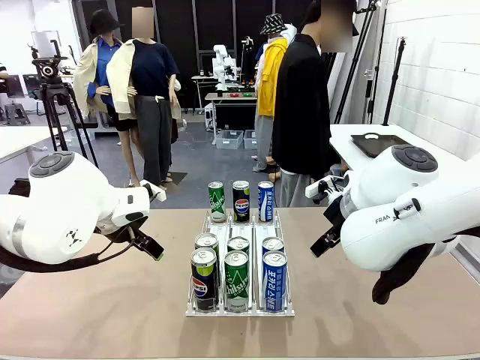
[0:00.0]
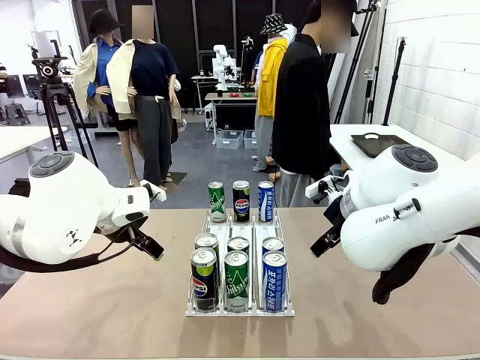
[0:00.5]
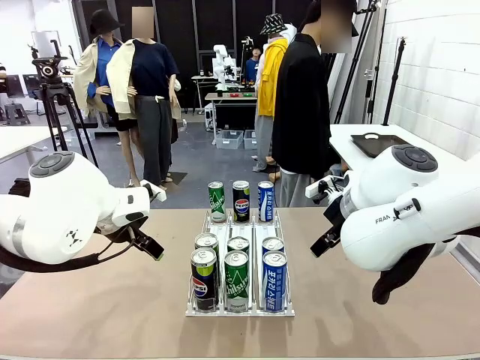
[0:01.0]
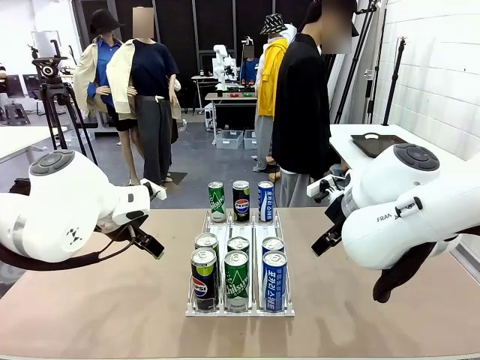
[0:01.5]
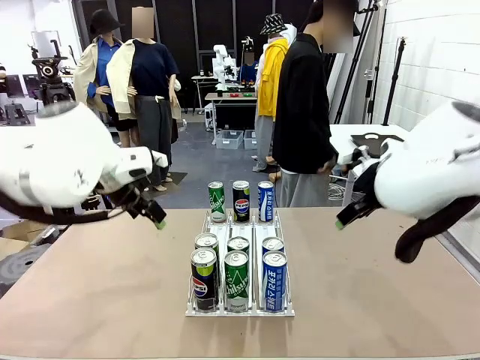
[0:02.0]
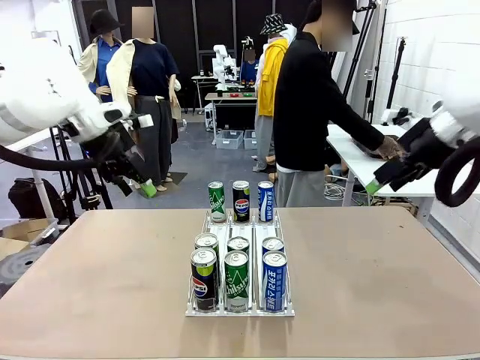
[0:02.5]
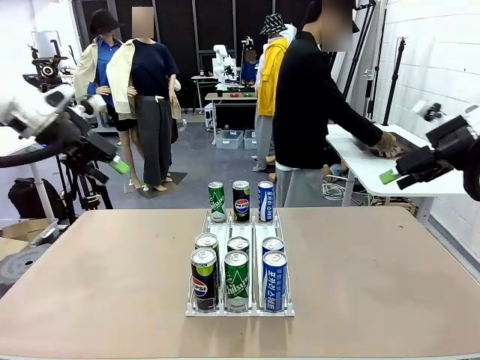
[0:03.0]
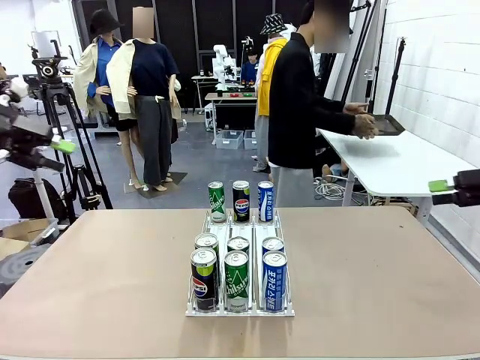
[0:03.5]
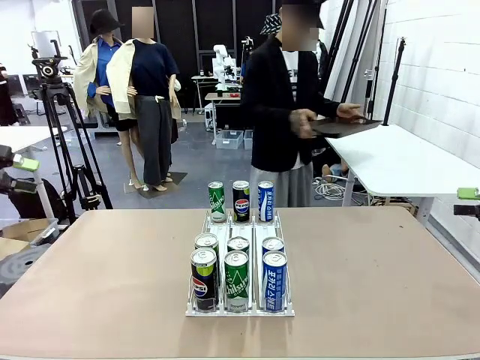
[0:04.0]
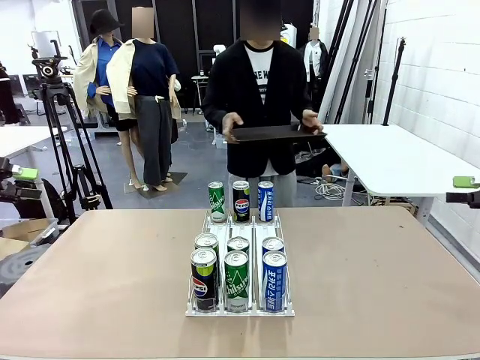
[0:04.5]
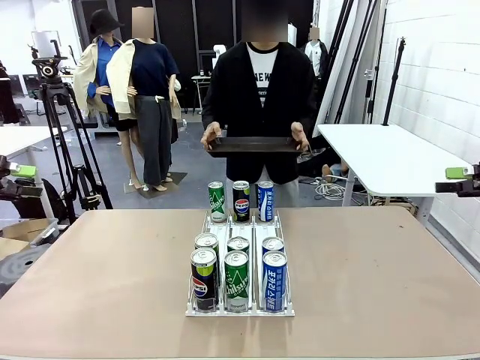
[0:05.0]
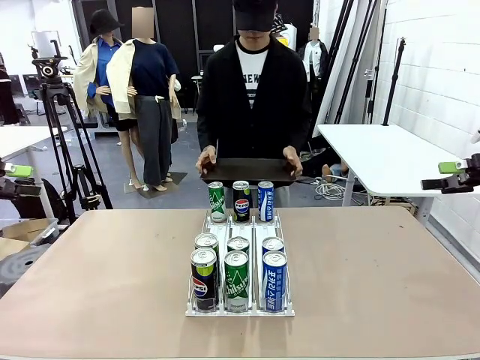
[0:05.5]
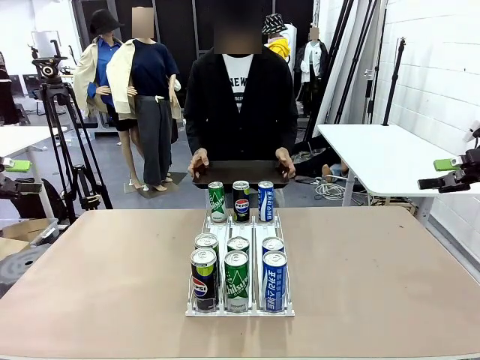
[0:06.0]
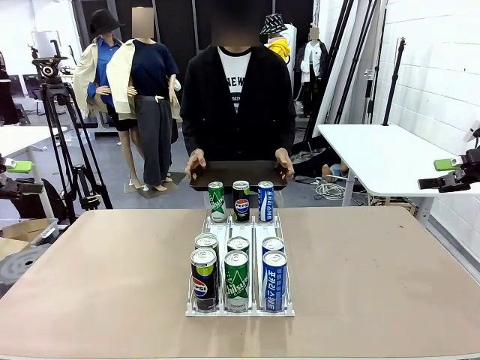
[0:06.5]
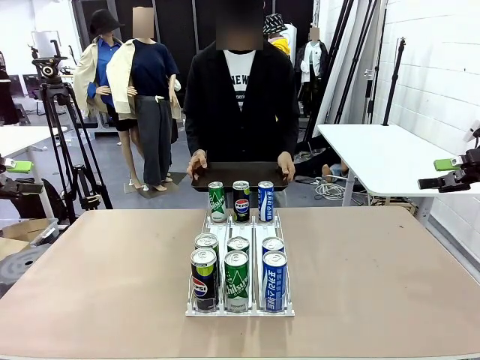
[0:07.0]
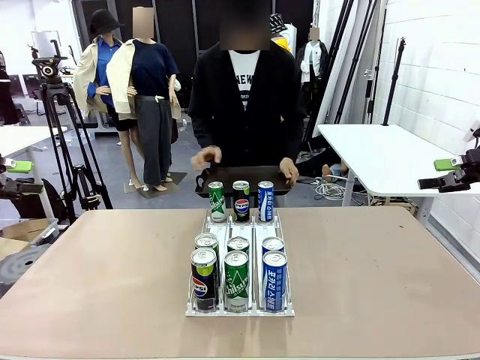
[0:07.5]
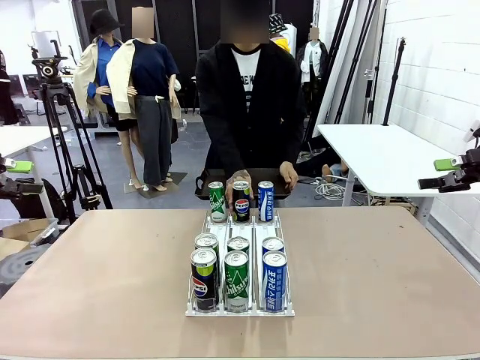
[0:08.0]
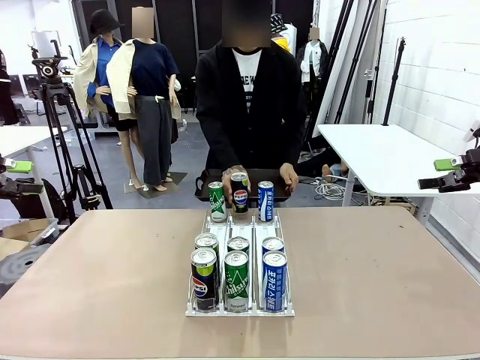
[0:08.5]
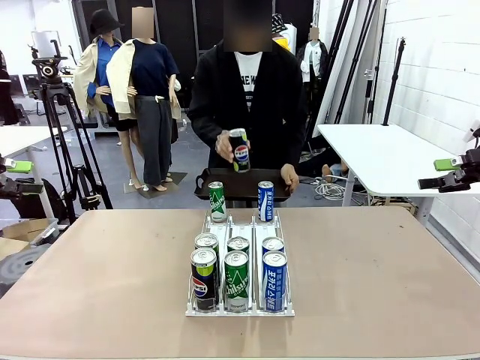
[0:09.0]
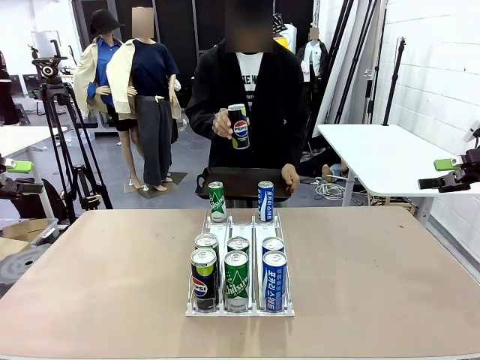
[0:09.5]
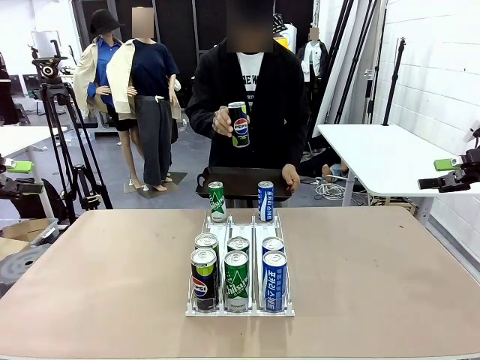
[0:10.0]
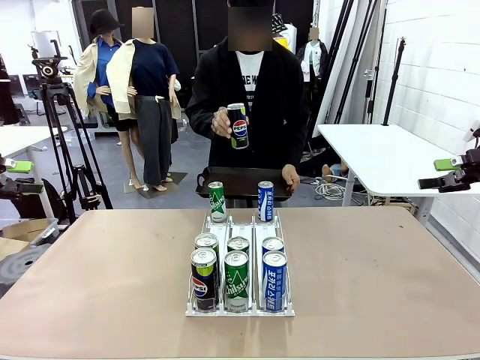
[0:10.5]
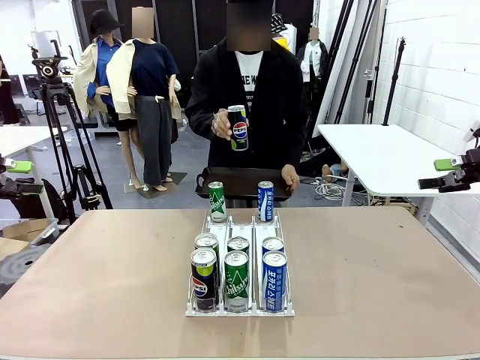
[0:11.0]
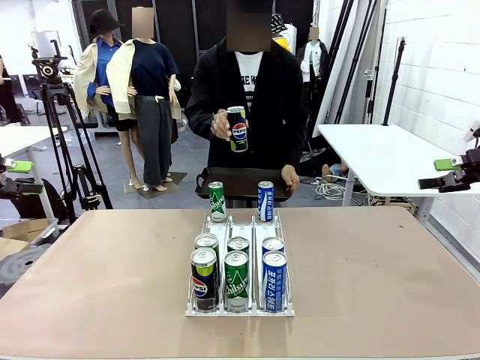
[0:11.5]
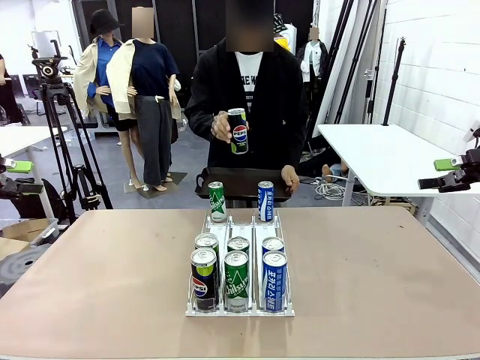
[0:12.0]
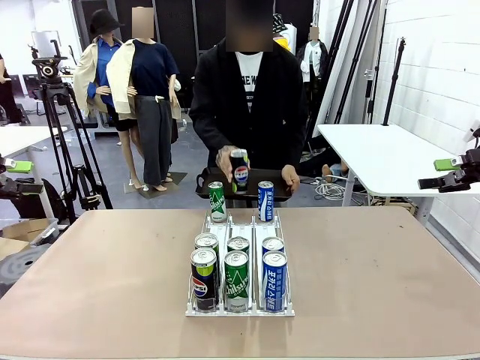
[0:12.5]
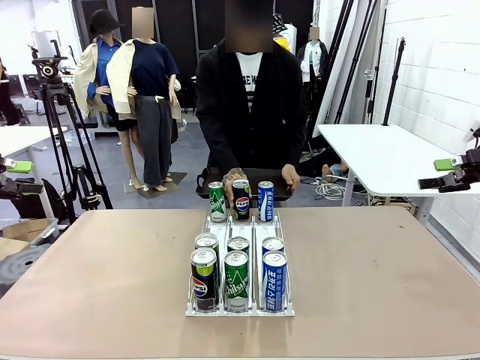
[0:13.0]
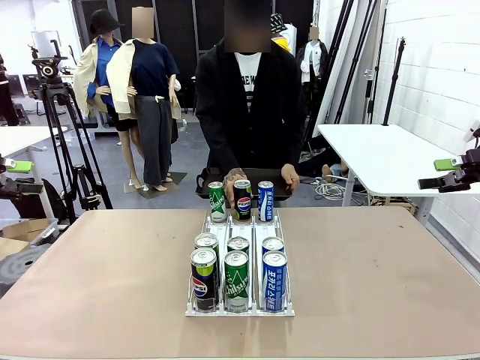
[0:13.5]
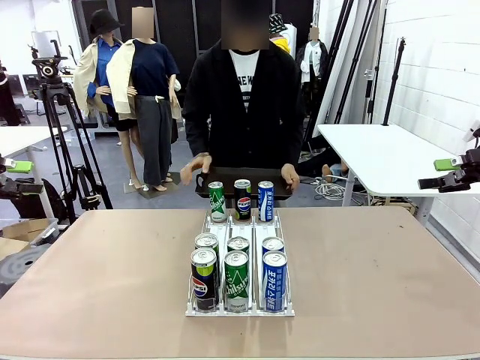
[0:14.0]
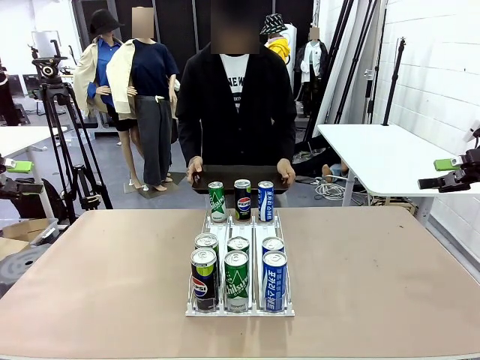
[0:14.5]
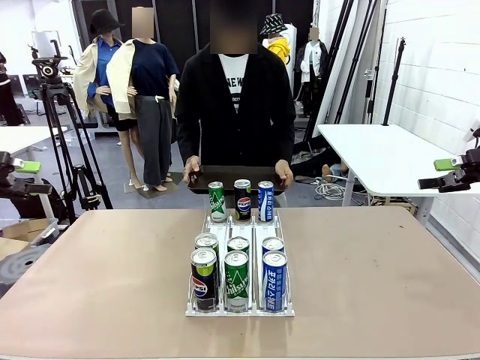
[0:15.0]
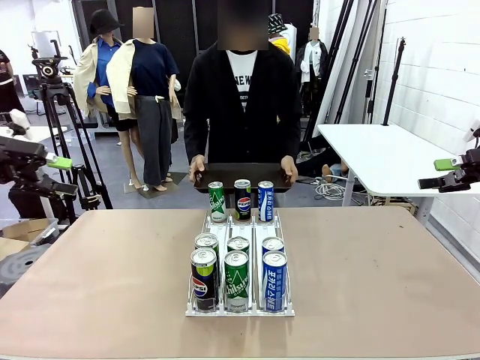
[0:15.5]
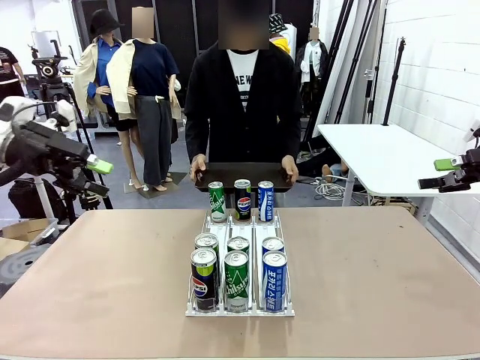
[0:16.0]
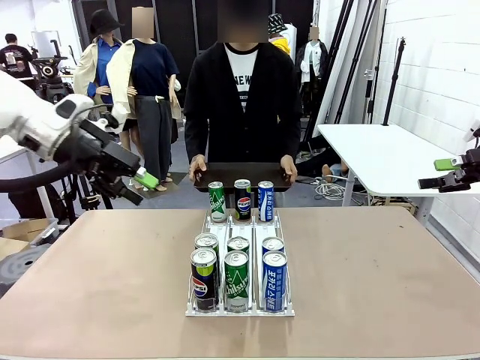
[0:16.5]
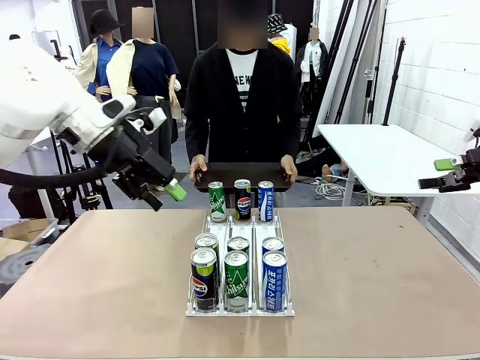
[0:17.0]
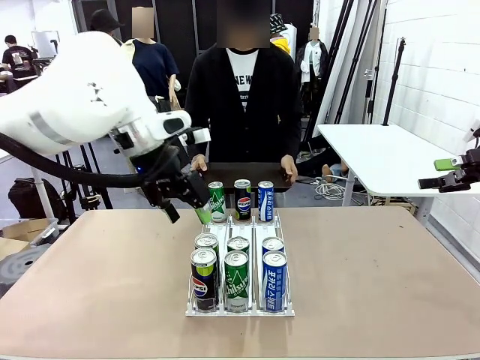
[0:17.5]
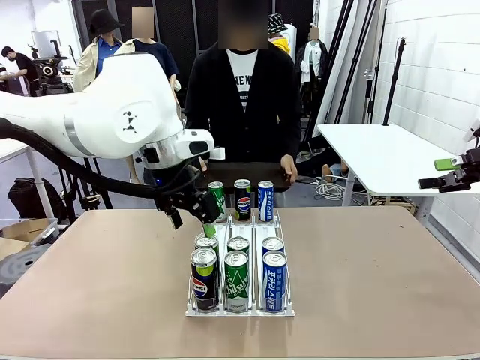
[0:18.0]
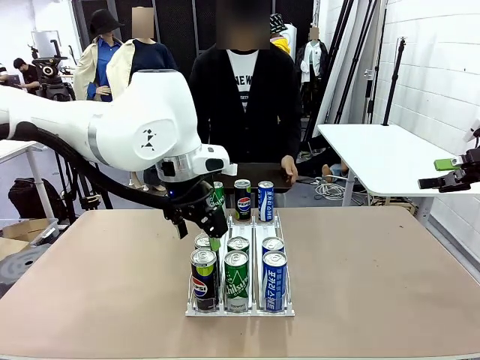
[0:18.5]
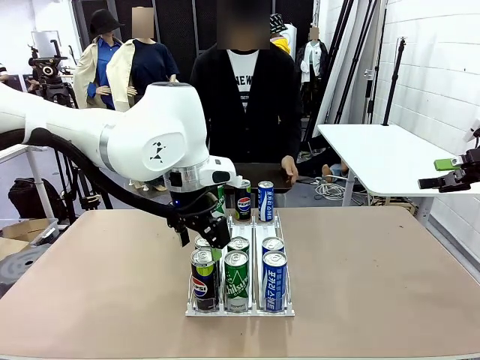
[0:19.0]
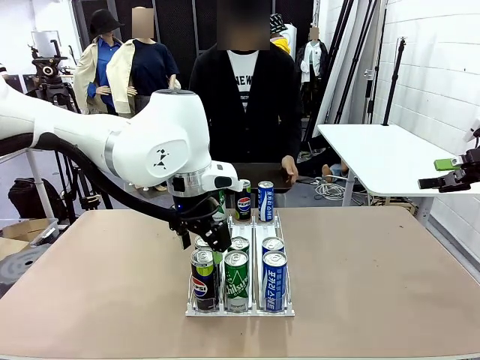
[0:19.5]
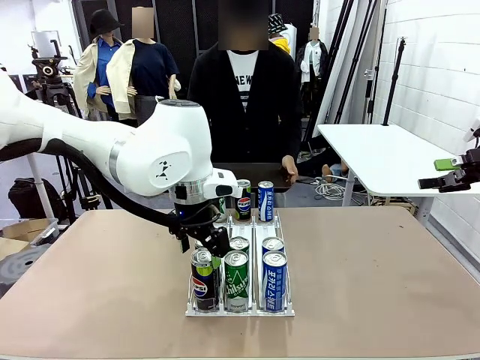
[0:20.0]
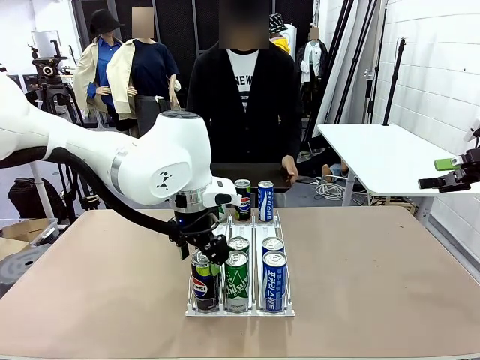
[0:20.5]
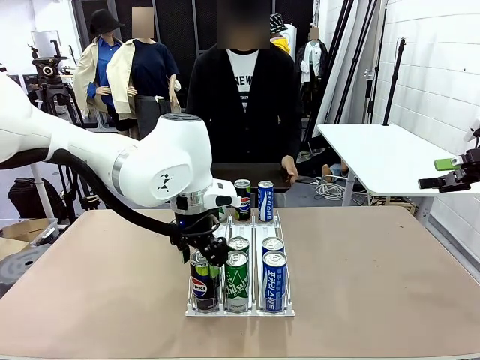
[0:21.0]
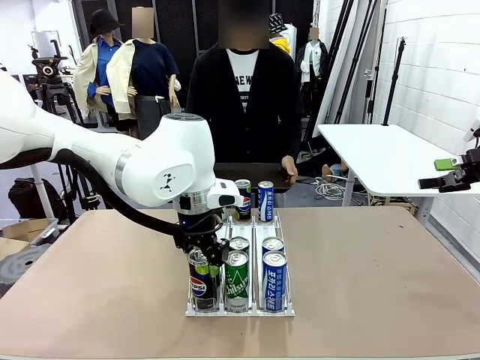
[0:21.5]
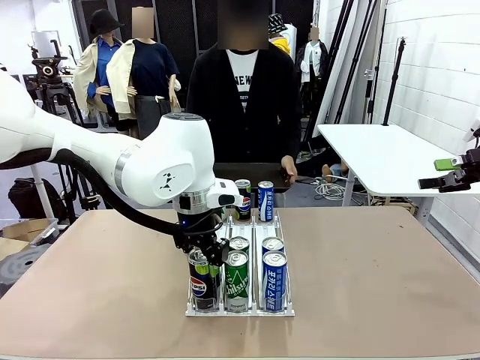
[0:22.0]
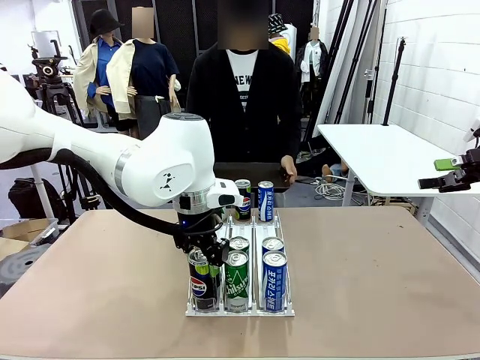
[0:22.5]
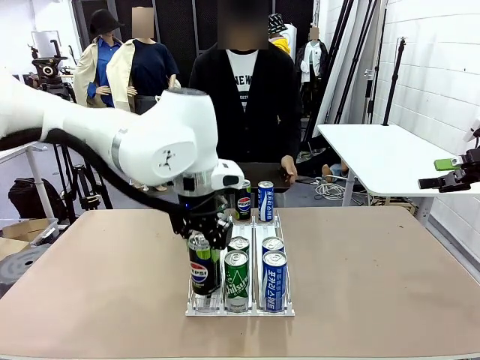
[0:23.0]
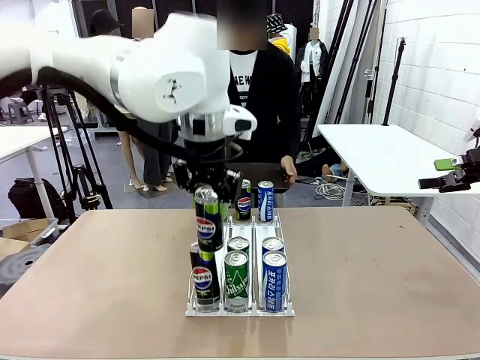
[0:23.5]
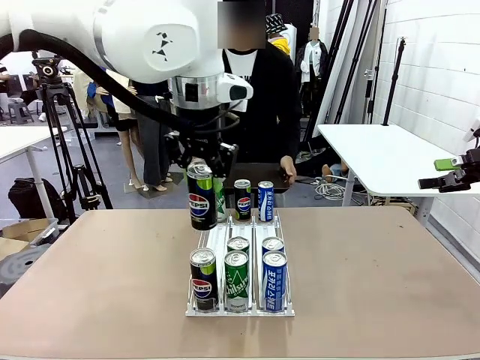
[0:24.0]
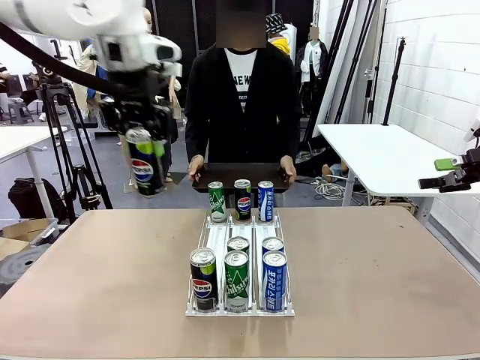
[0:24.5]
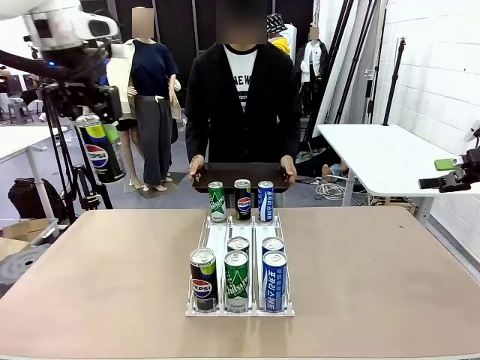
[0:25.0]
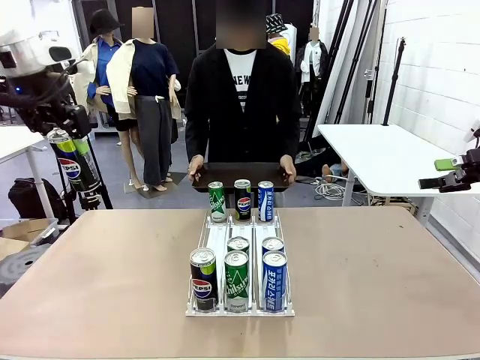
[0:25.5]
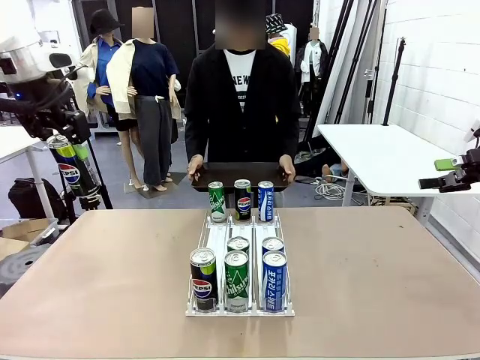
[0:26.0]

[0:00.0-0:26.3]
Task: Retrieve and hand over the desired beverage to the person.
Robot: Pick up a can of the same type that the person held from the Automatic Can Dispenser.
Person: Hold the tray and position yourself in front of the robot table. Pick up one can from the bottom area of the table and puts it back in its original place. Push the tray toward the robot.
